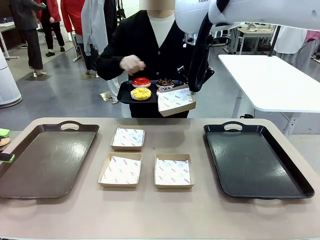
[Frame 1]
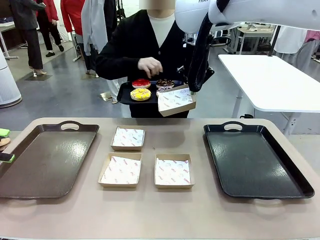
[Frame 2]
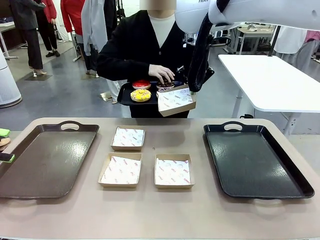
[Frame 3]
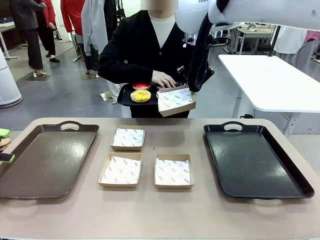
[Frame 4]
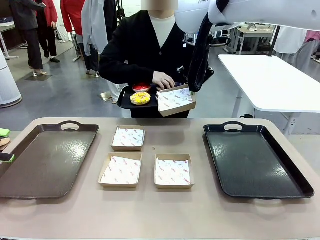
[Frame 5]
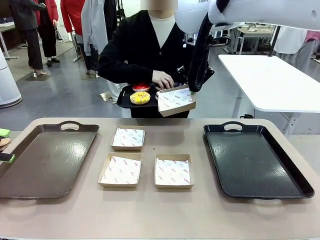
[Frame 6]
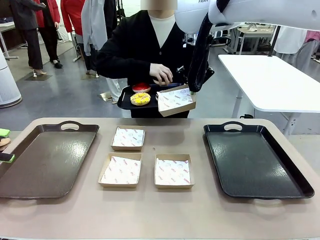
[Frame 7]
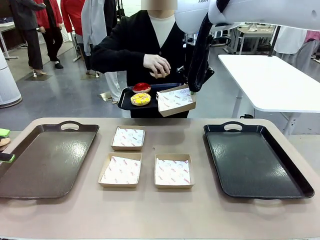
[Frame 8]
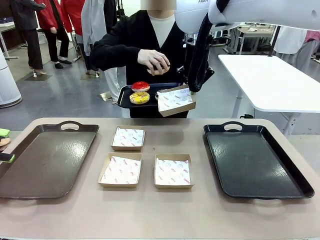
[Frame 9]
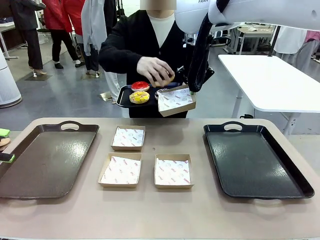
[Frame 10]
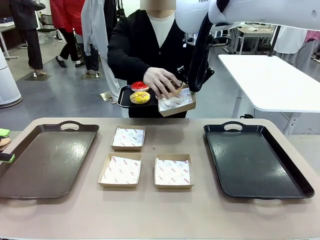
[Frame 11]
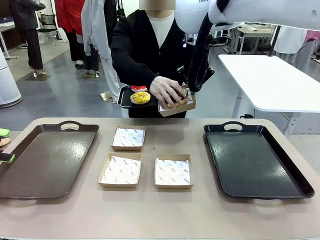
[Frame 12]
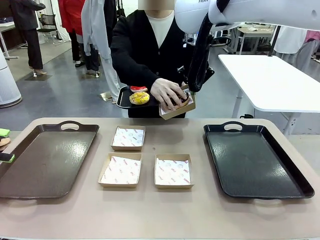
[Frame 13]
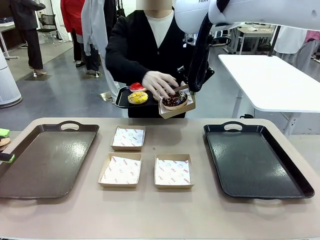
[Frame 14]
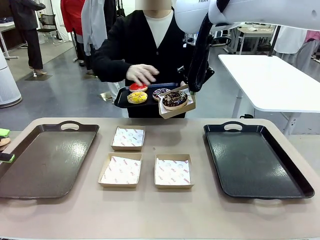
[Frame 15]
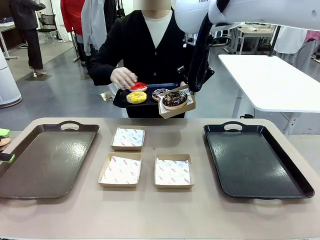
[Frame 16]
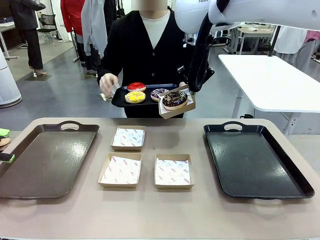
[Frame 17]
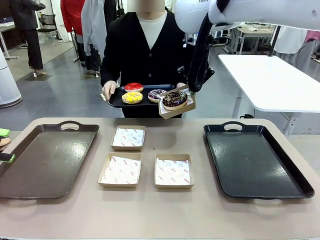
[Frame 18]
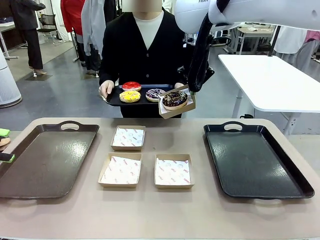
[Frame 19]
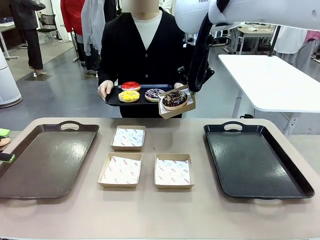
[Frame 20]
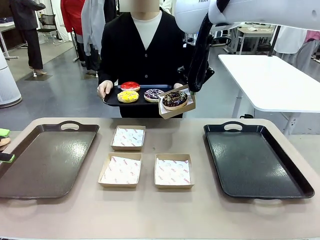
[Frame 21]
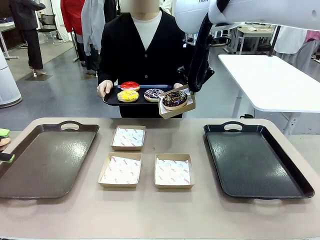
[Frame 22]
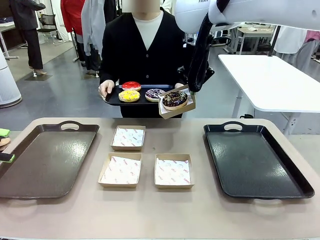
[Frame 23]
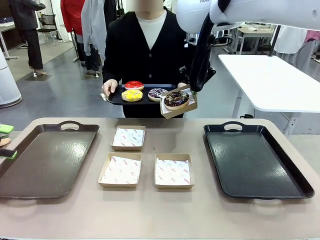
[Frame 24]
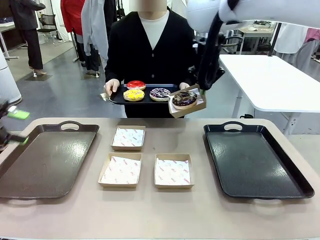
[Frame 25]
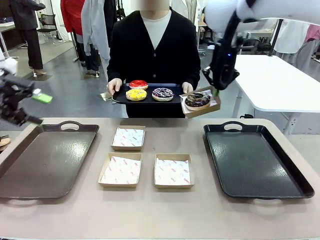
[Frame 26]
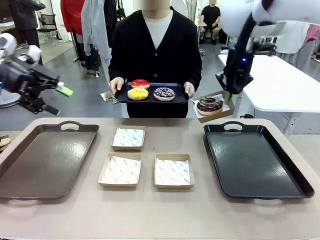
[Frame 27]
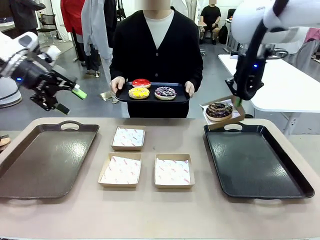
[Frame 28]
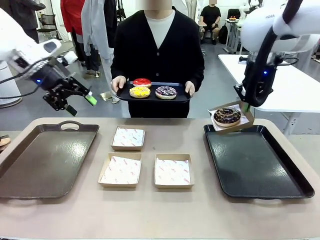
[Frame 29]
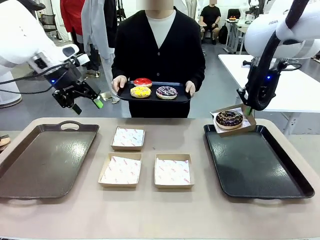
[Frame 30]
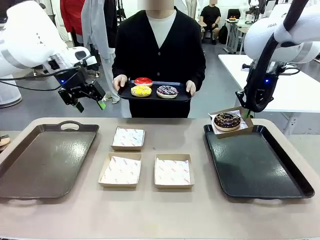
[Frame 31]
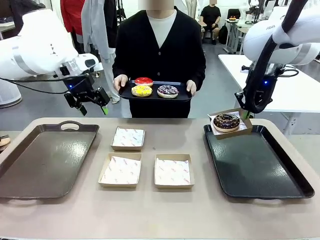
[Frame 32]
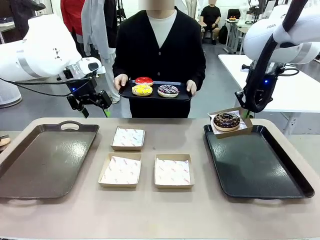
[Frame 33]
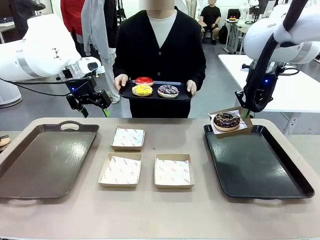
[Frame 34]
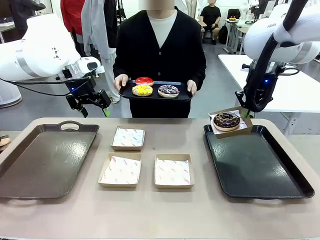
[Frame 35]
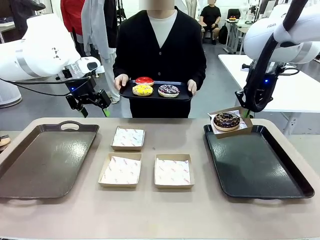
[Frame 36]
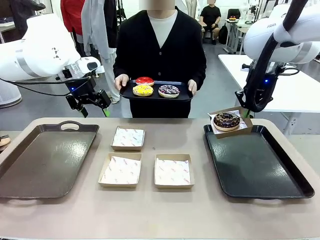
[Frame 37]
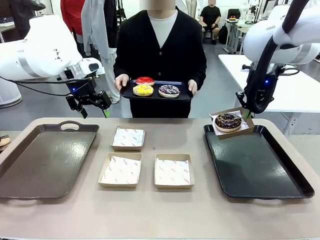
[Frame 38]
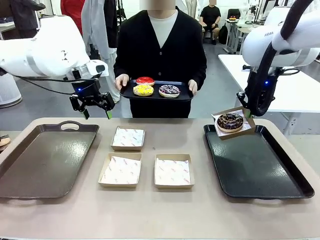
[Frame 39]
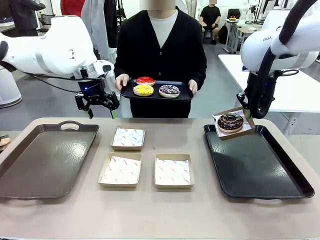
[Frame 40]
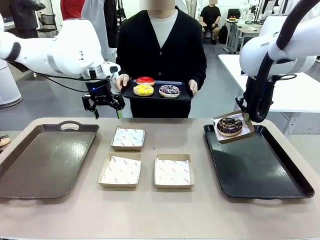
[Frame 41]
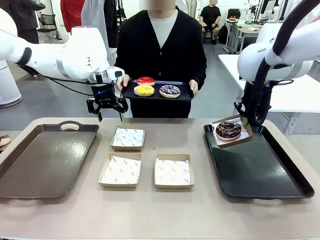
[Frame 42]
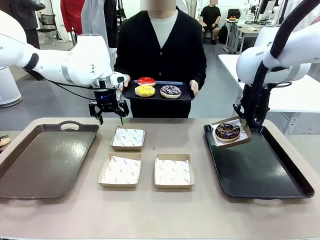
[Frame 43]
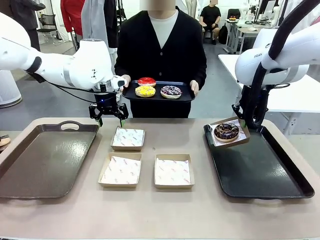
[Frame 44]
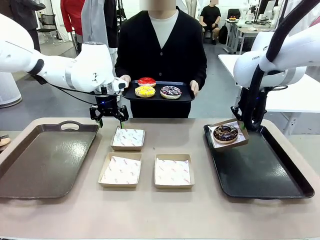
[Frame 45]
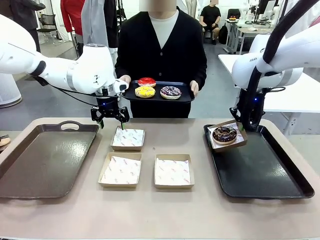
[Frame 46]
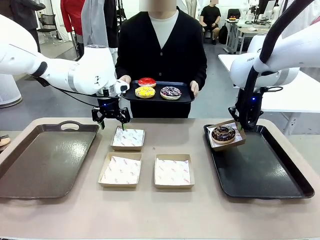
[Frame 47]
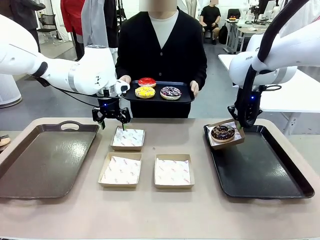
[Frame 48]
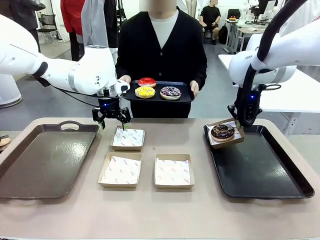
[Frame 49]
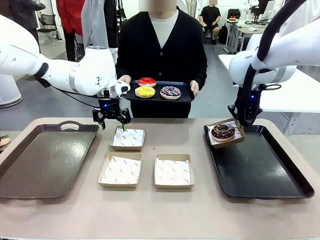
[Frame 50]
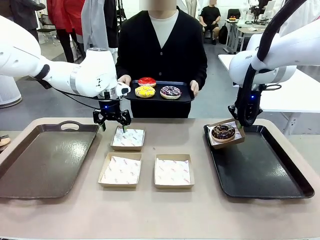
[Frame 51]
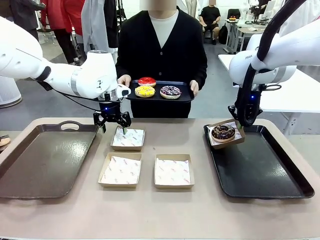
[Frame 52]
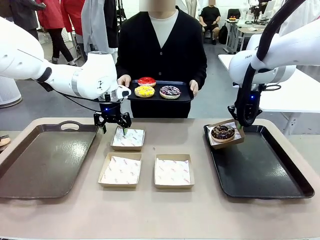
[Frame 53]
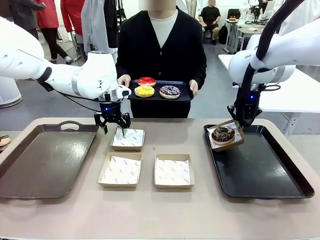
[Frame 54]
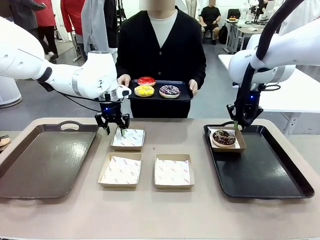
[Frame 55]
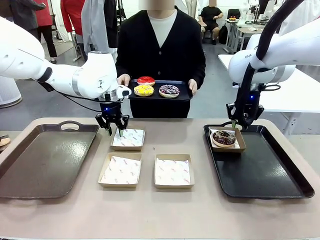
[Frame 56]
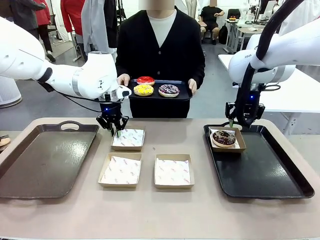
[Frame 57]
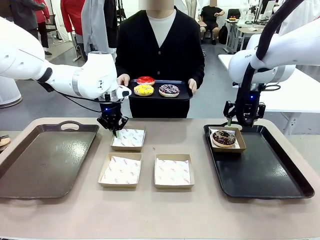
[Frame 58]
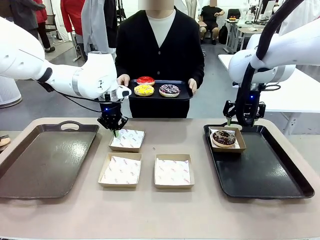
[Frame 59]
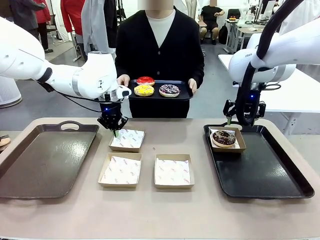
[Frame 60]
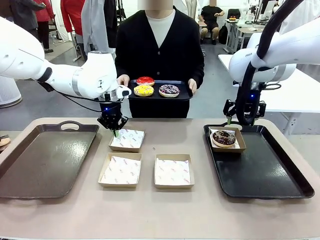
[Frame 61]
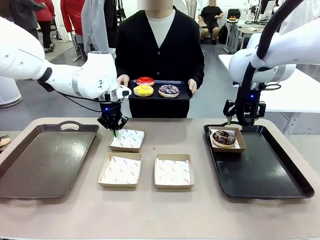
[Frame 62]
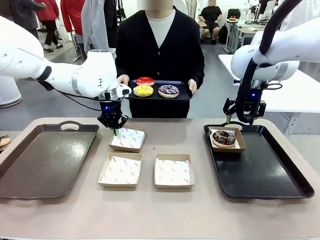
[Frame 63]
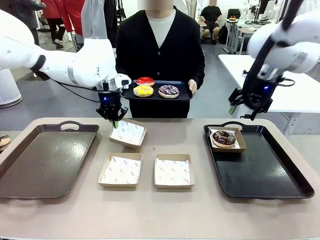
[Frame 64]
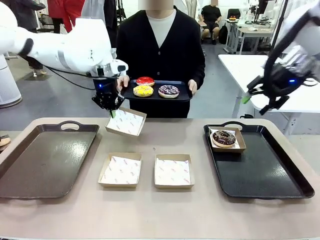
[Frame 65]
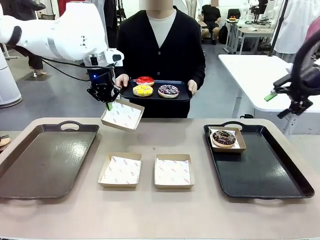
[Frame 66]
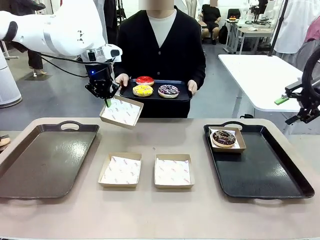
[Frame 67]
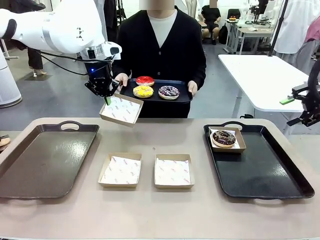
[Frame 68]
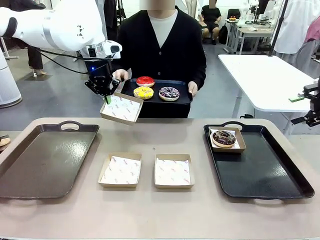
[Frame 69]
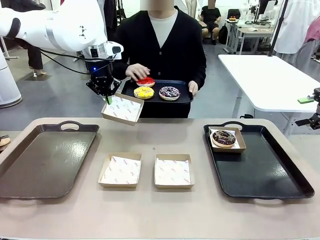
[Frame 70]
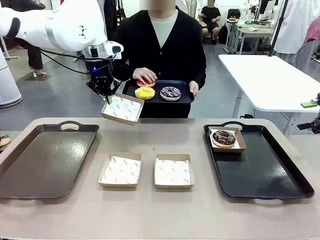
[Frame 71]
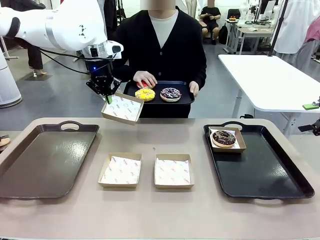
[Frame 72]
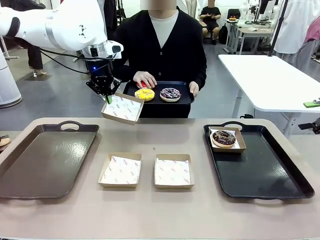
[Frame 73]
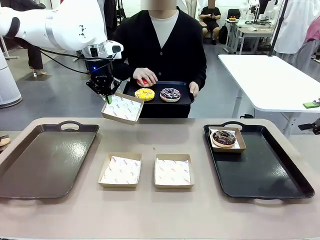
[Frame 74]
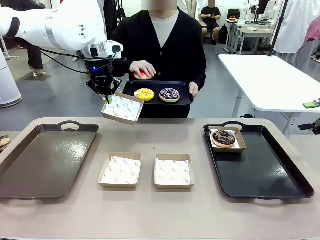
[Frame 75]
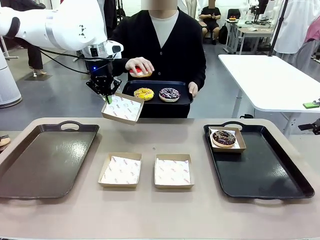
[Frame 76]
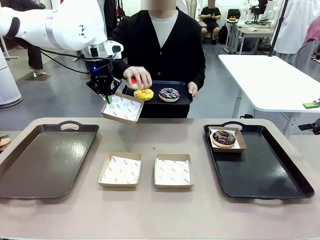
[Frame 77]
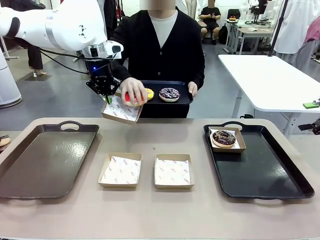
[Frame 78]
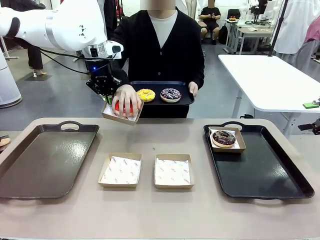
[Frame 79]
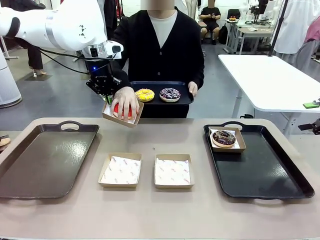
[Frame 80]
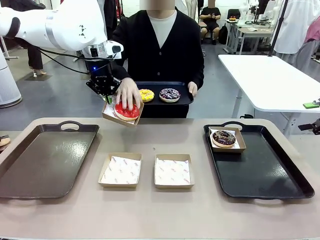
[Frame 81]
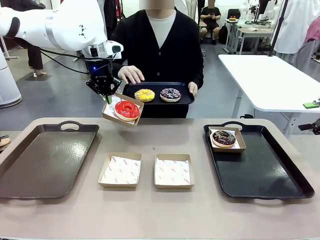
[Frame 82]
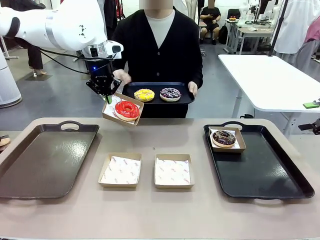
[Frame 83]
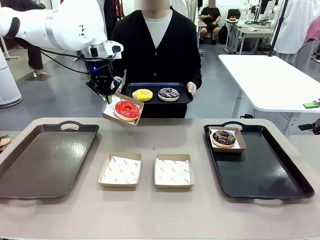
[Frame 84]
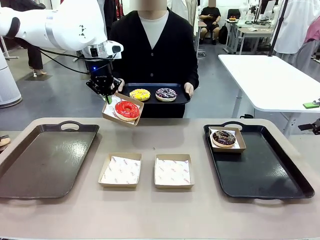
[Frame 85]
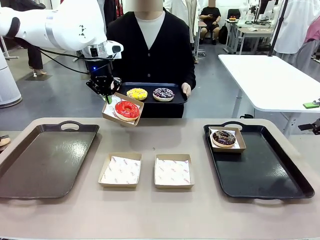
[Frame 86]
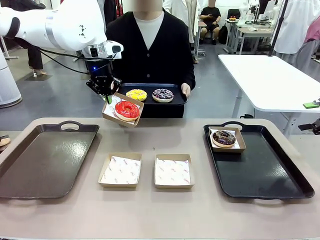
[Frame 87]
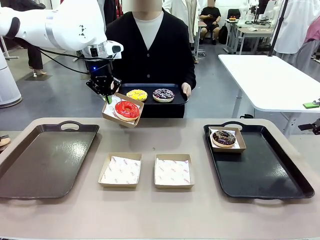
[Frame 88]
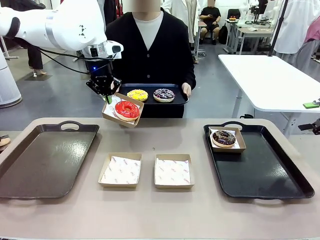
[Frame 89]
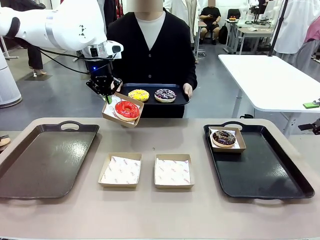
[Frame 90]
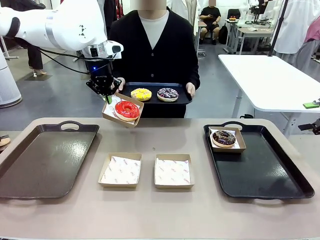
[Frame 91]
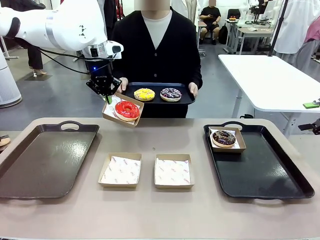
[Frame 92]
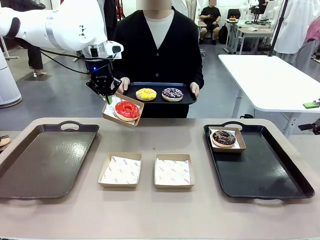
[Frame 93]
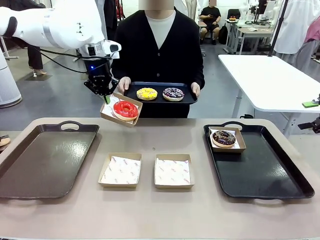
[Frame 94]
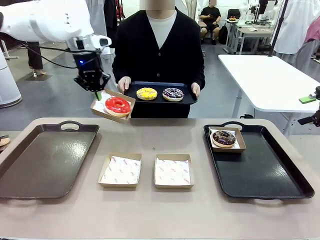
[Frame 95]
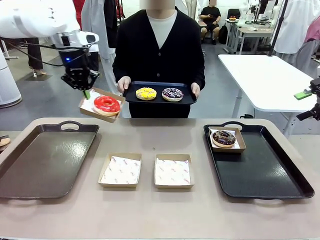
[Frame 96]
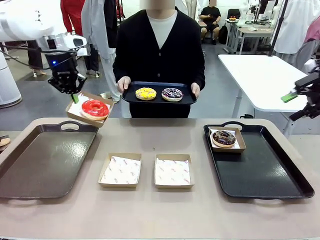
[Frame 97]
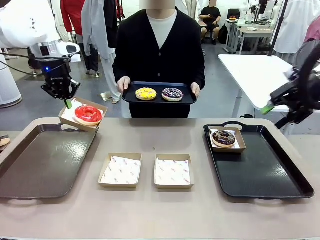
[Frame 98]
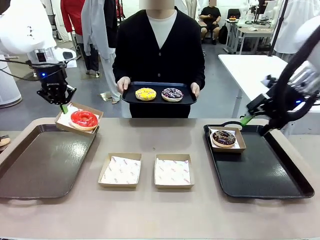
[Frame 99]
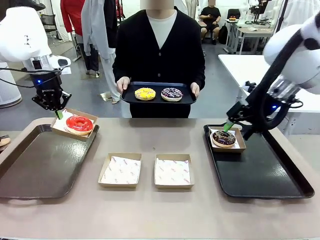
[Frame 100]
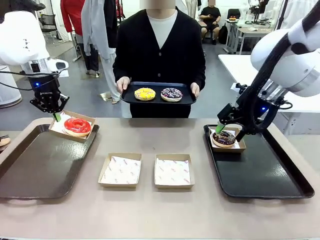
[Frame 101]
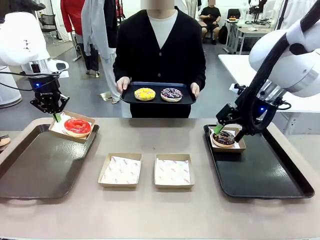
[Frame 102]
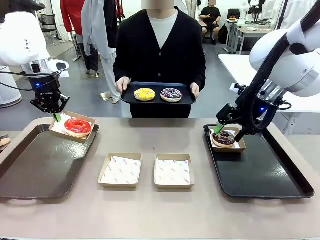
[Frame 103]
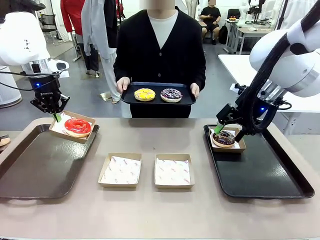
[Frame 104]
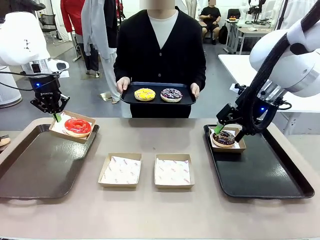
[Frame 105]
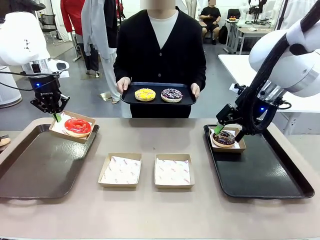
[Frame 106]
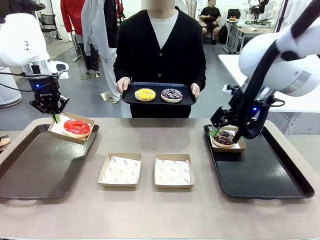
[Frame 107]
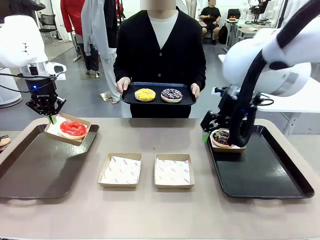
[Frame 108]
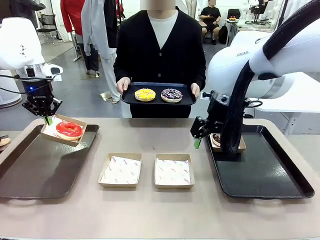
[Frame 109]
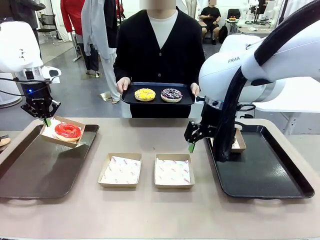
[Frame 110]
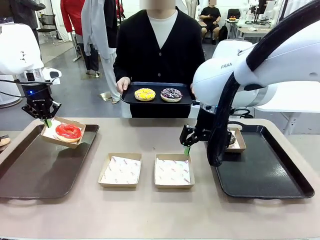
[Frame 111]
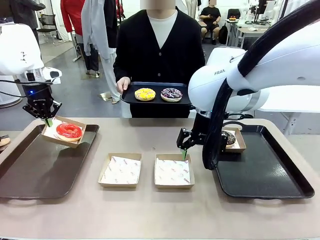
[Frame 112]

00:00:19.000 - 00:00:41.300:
Task: Individually package the donuts and arrange them on the tray.
Robot: Place the picked Paper togo box on the Handle tray while simultaneously picking up another Paper togo box from the table with the other hand.
